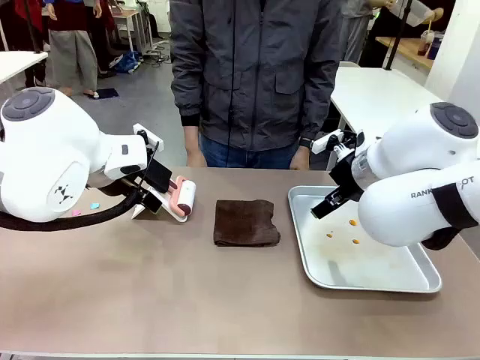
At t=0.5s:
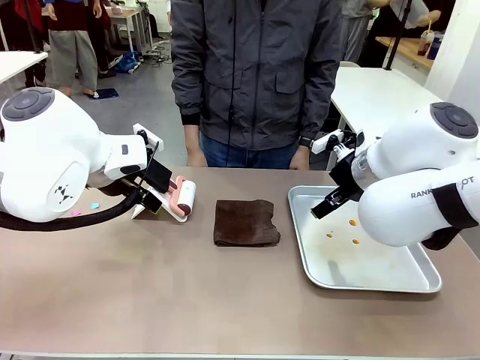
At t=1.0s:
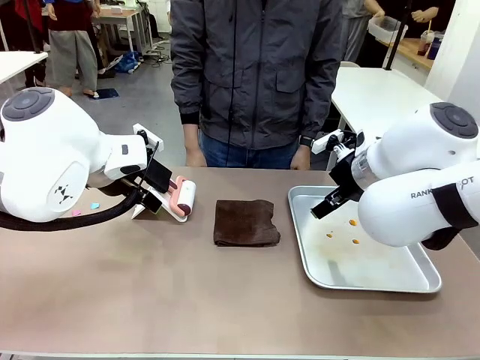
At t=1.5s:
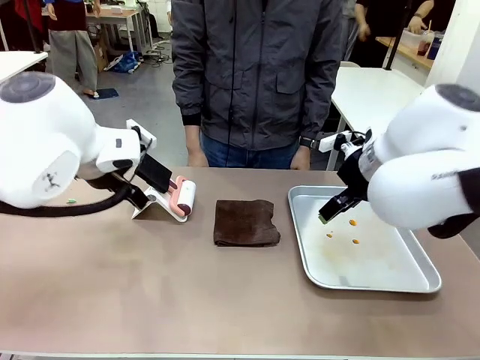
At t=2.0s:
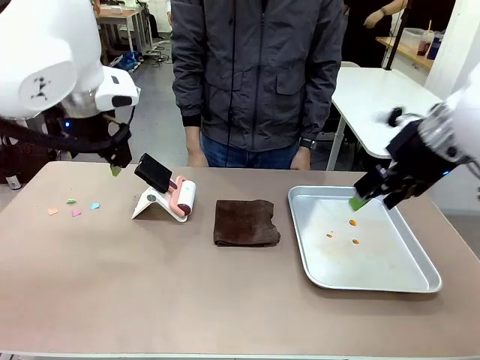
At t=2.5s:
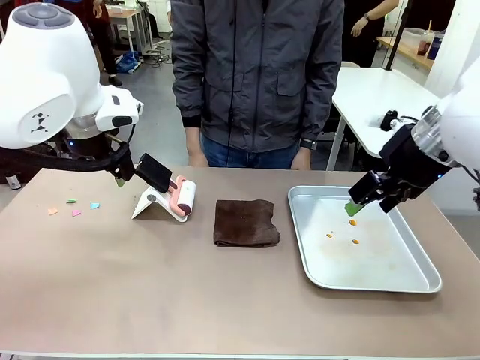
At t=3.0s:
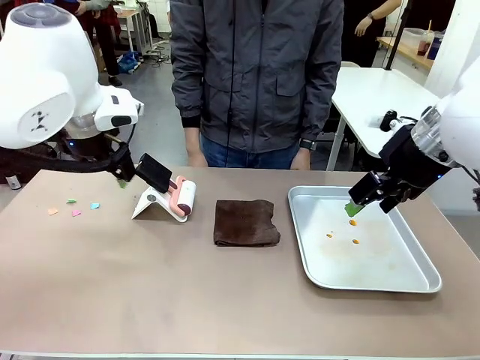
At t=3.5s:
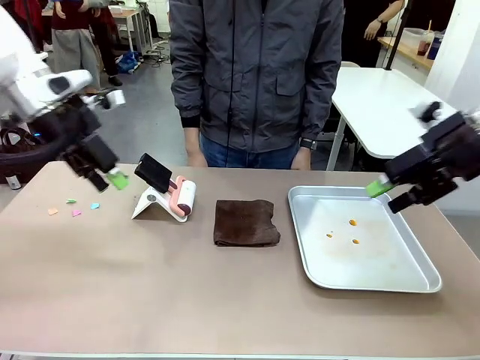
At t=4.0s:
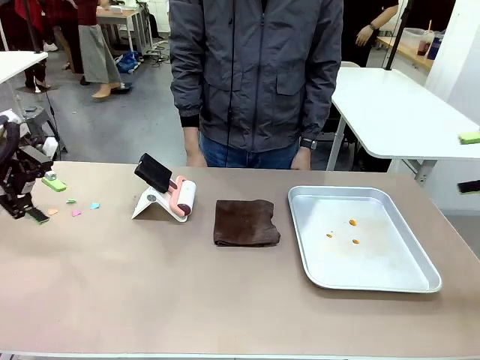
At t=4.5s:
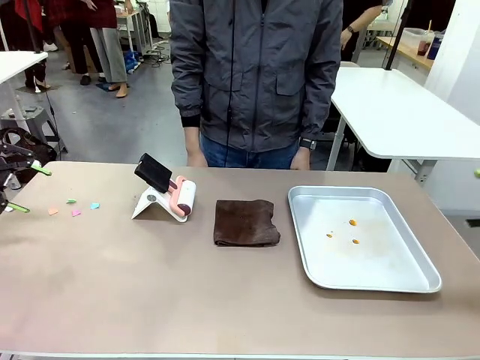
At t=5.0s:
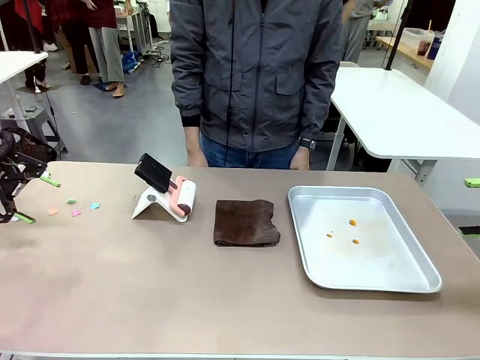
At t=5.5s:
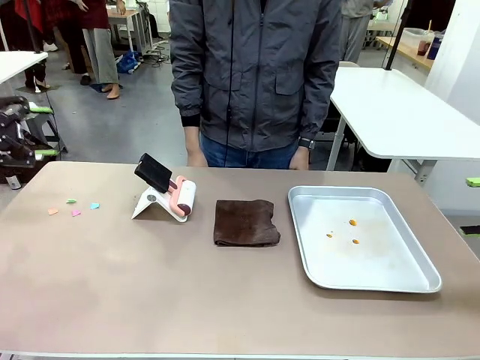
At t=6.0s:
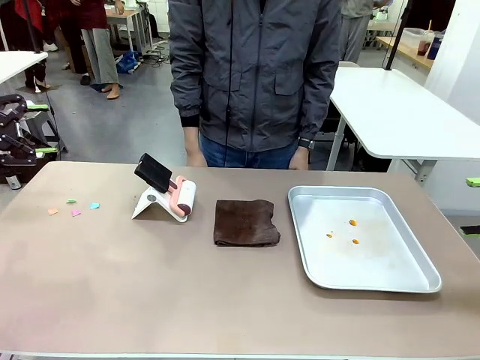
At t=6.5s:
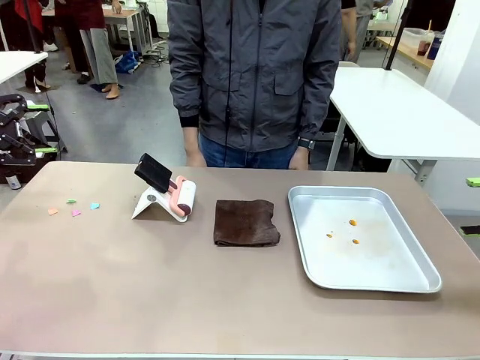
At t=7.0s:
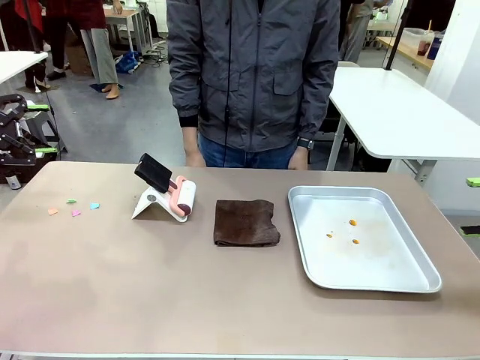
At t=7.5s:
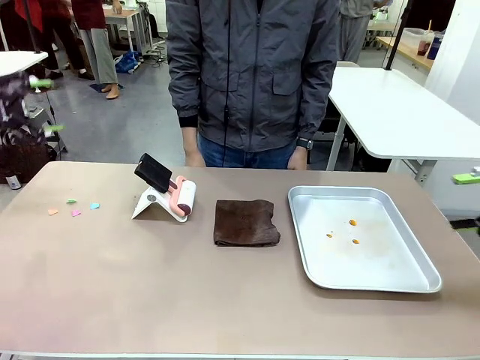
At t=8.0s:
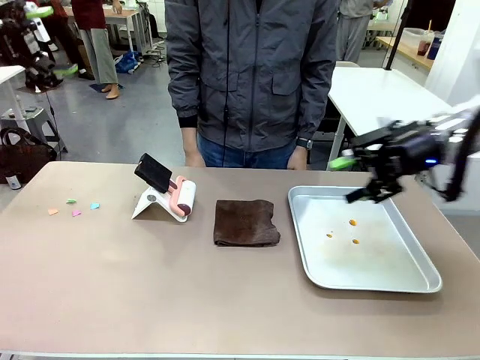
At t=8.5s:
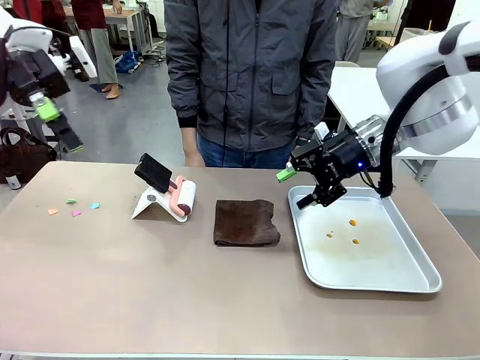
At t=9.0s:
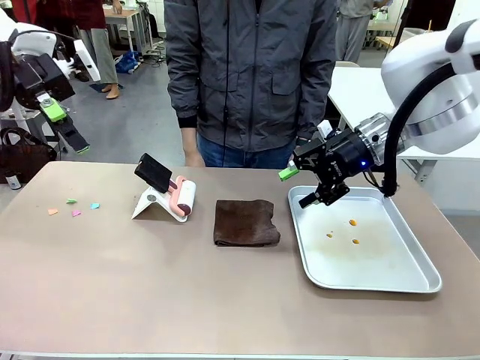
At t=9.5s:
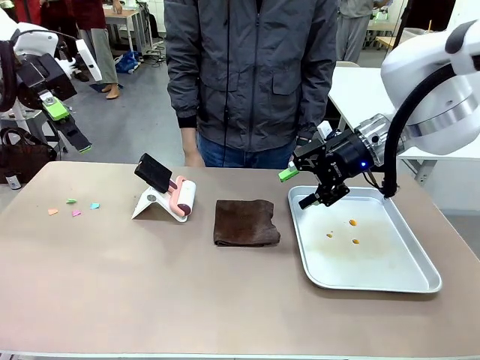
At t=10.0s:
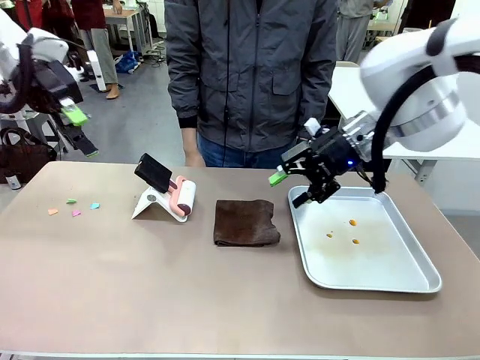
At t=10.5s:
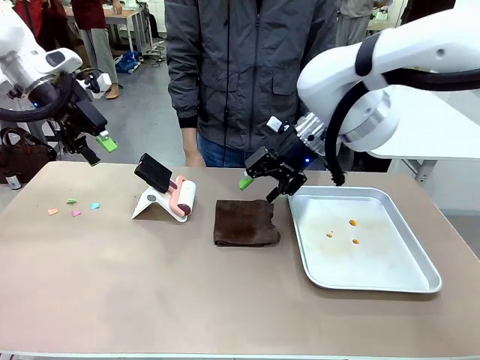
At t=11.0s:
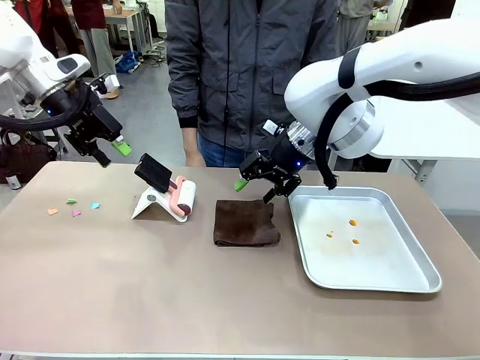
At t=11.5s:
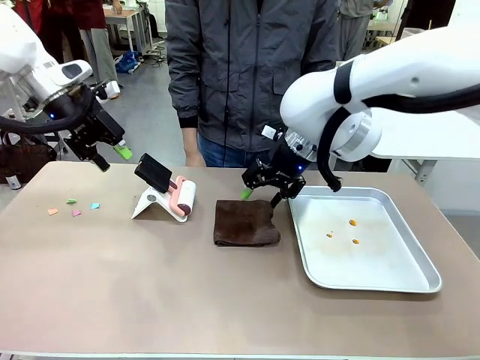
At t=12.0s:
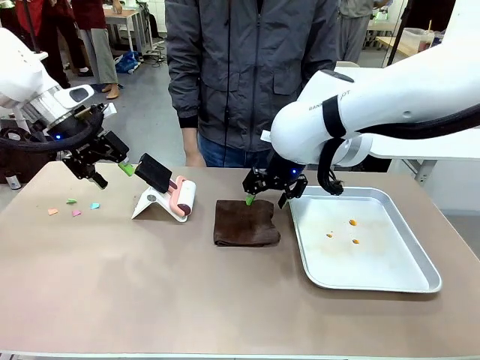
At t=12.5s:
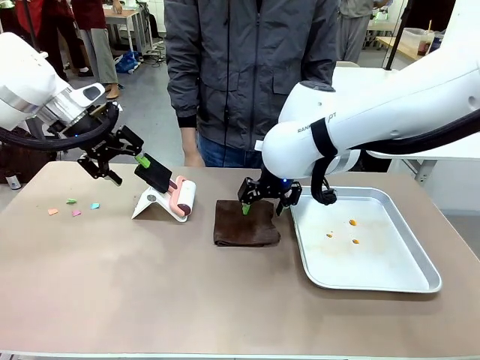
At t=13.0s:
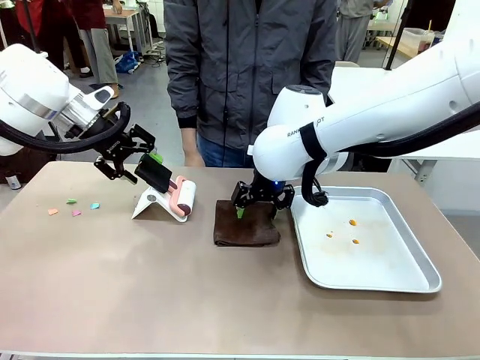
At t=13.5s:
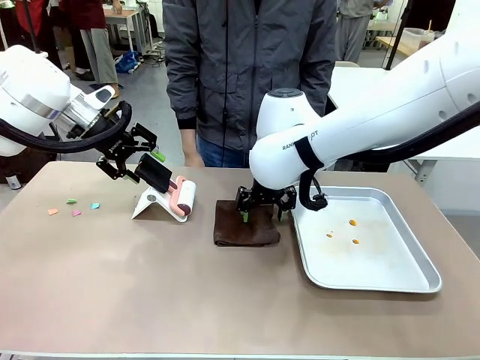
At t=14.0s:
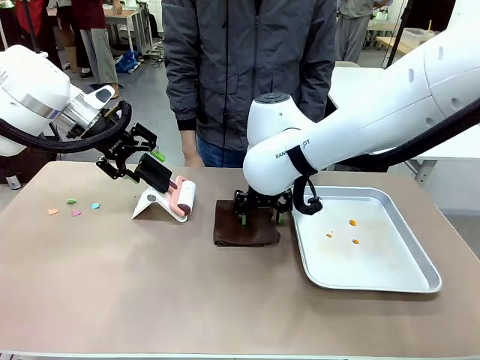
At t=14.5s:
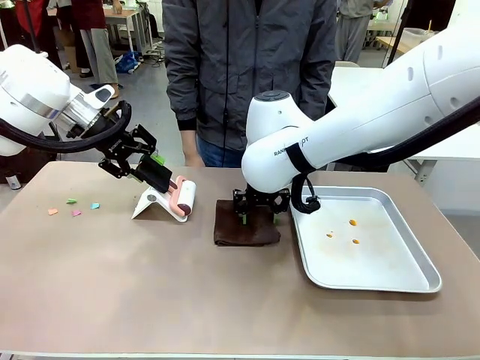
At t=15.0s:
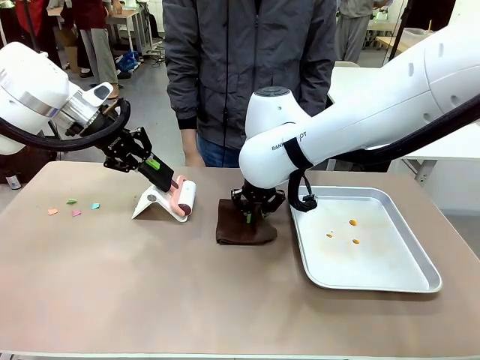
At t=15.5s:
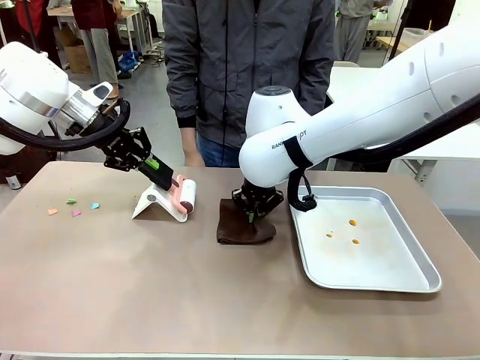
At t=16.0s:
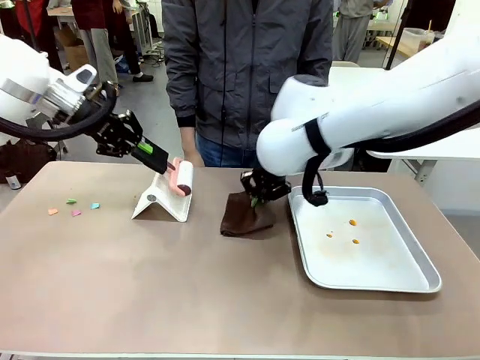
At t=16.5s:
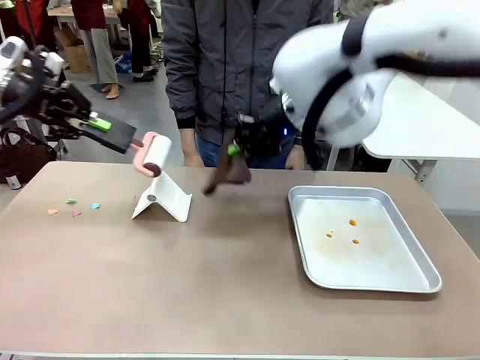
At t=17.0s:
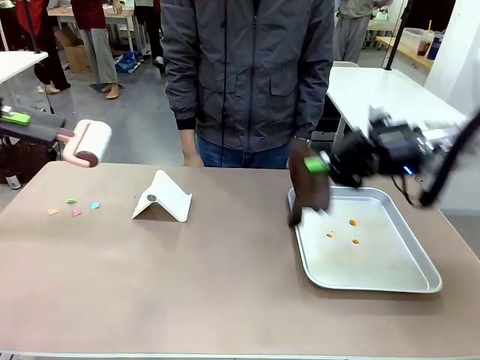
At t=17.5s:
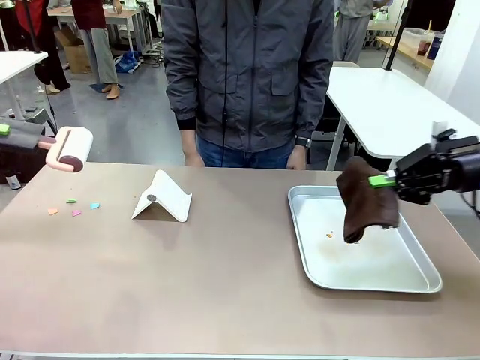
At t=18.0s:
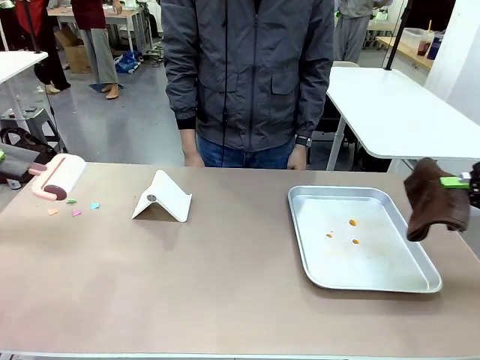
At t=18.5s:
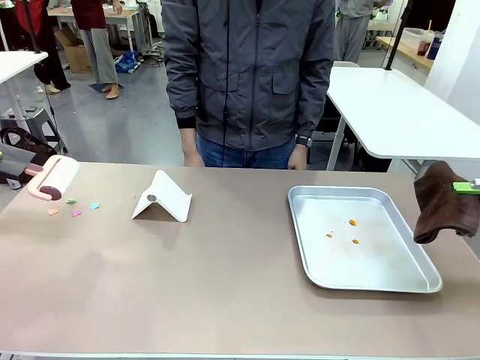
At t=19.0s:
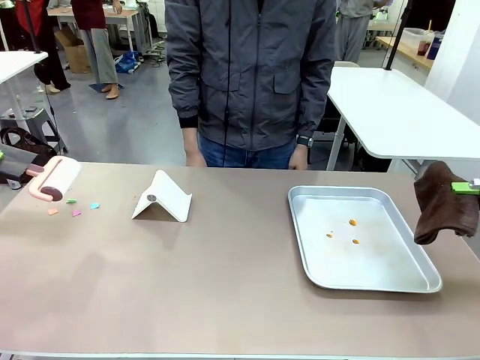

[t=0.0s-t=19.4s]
Task: Clean the surface of the table.
Robot: Hold the Lint Roller with your left hand and the towel with your right hand.

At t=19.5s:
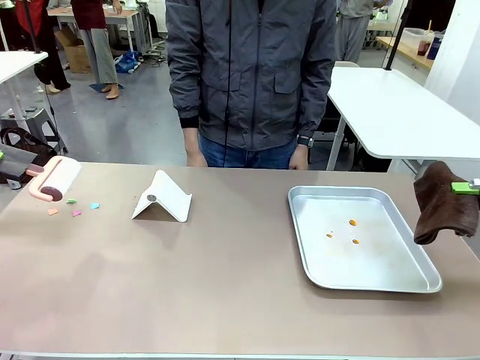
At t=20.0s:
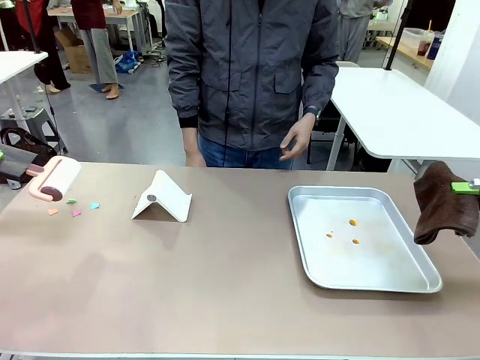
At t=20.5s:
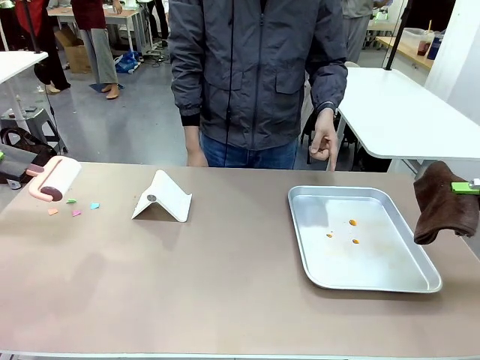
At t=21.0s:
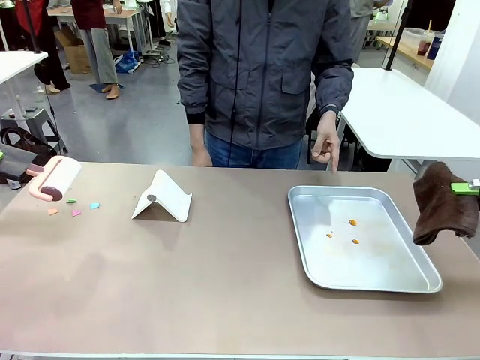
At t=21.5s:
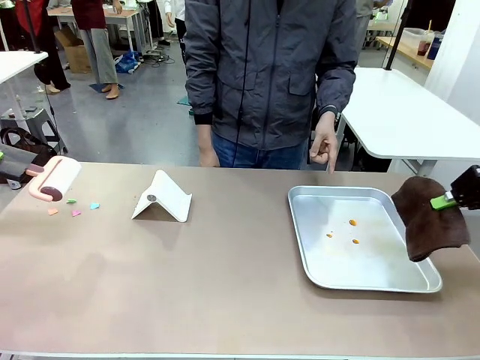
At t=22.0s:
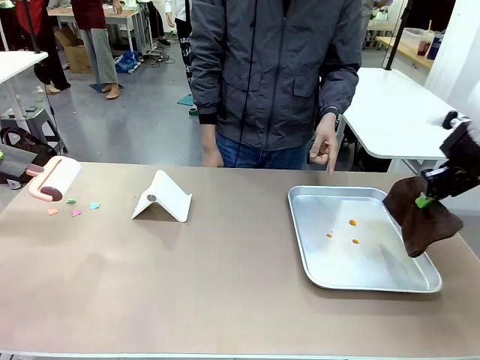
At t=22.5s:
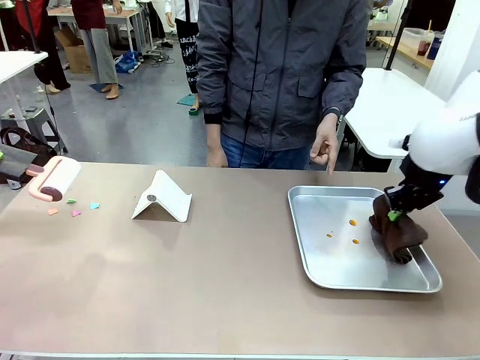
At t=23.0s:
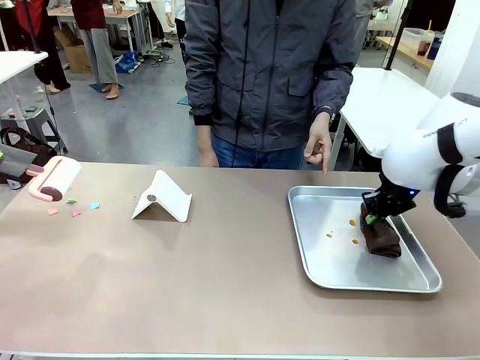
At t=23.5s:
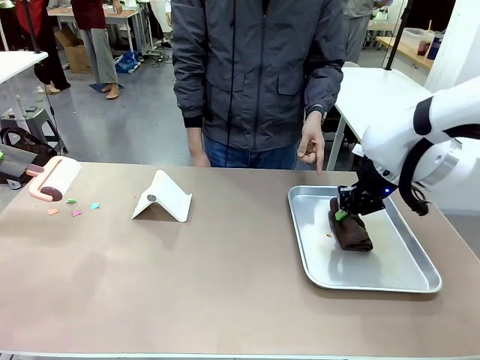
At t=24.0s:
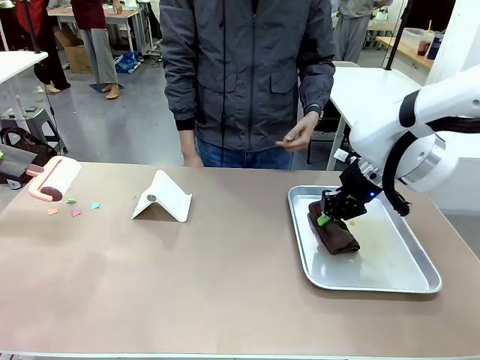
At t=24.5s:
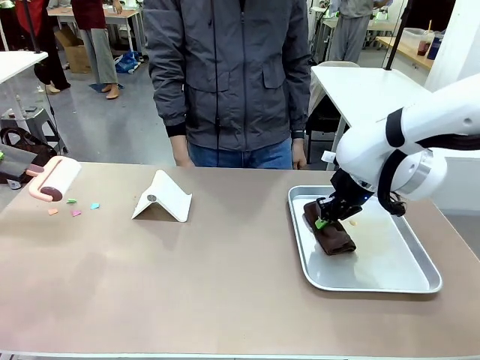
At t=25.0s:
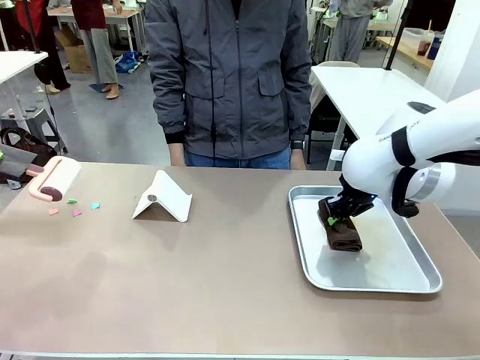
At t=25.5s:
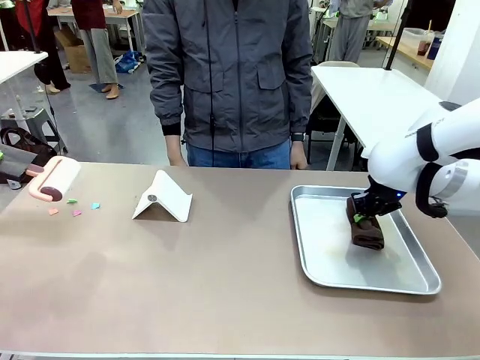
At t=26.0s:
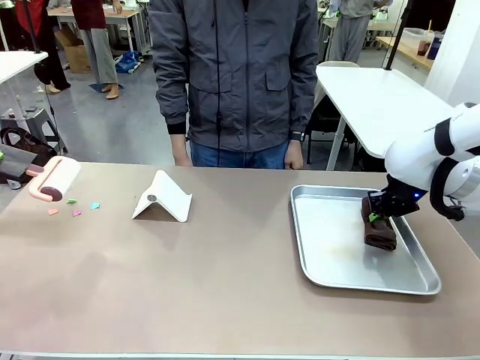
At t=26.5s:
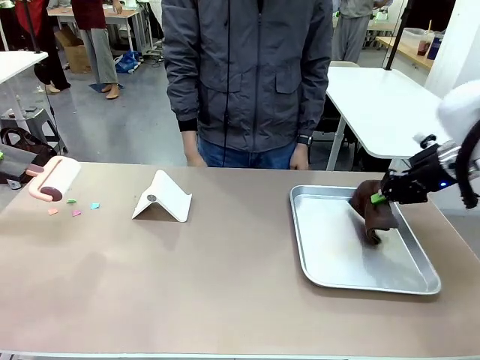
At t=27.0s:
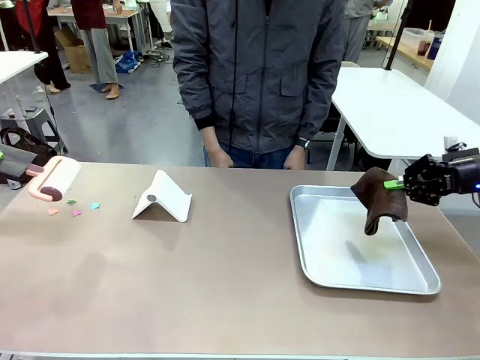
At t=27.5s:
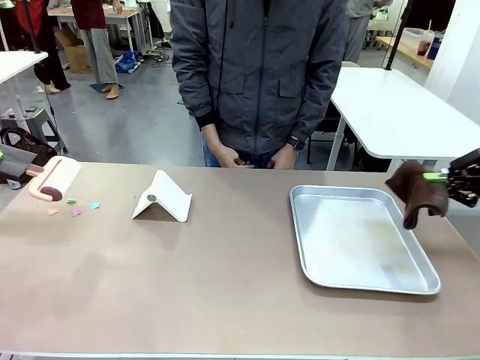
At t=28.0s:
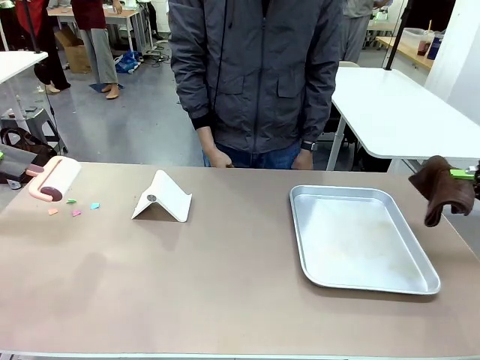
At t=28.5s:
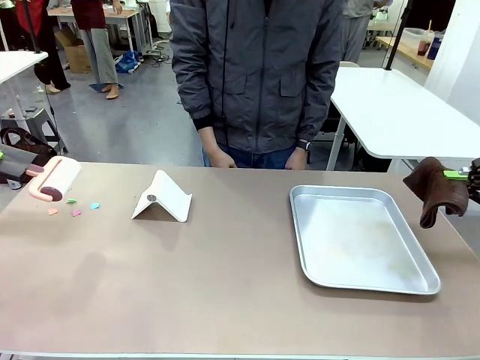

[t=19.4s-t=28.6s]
Robot: If a person points to the right, clean the right side of the table with your right hand, and if they point to the left, clean the left side with your left hand.
